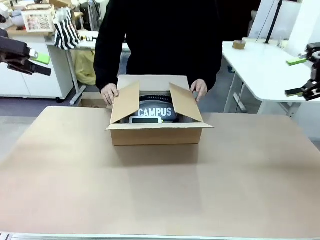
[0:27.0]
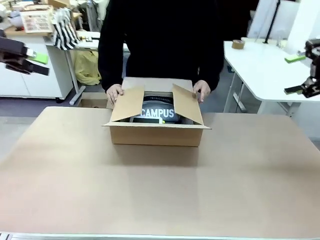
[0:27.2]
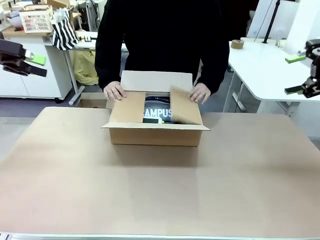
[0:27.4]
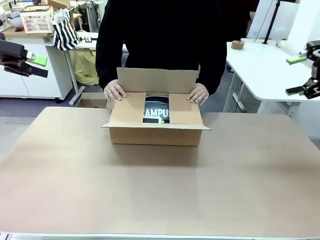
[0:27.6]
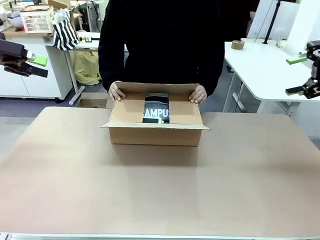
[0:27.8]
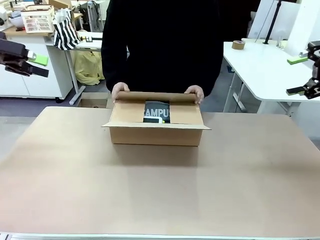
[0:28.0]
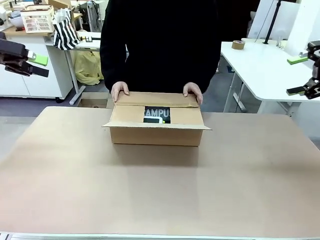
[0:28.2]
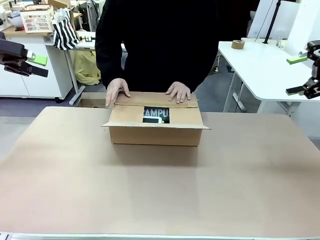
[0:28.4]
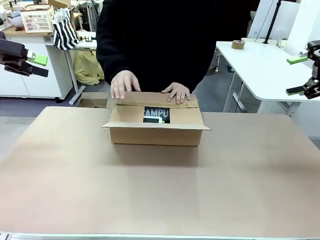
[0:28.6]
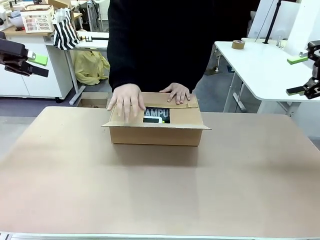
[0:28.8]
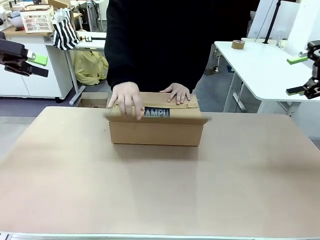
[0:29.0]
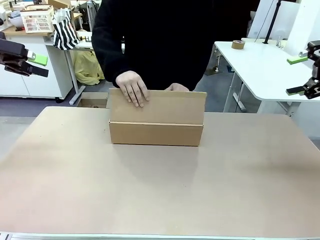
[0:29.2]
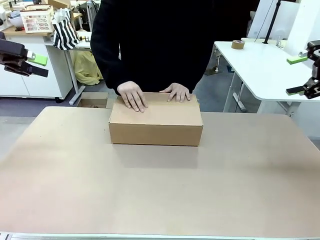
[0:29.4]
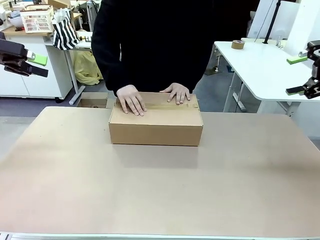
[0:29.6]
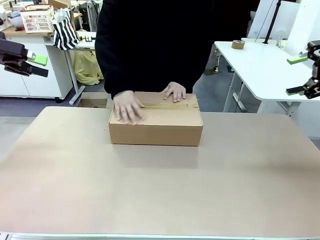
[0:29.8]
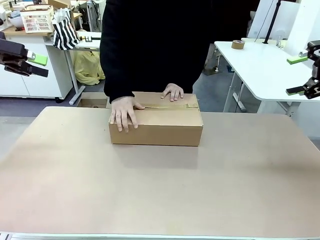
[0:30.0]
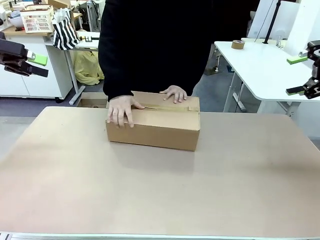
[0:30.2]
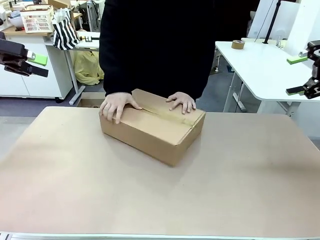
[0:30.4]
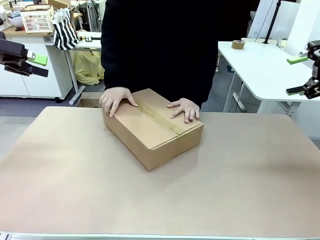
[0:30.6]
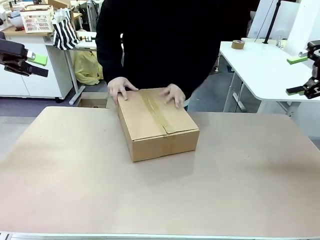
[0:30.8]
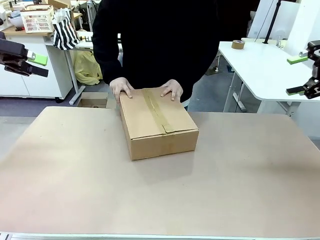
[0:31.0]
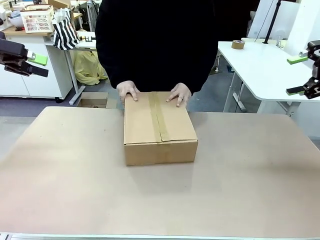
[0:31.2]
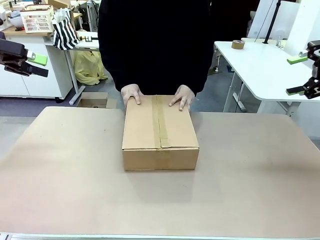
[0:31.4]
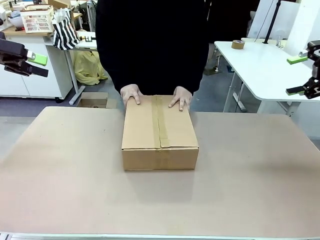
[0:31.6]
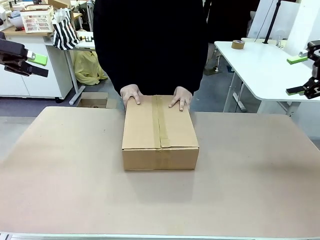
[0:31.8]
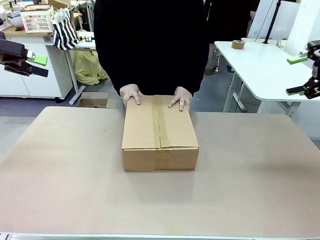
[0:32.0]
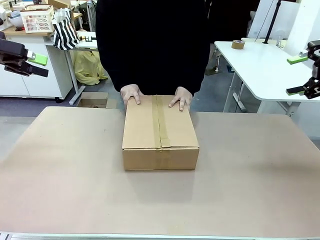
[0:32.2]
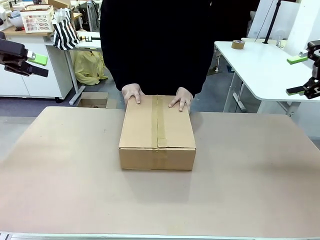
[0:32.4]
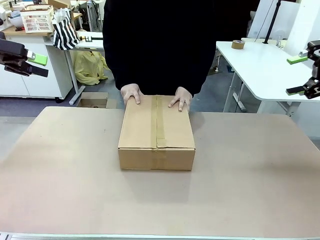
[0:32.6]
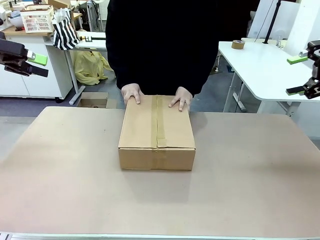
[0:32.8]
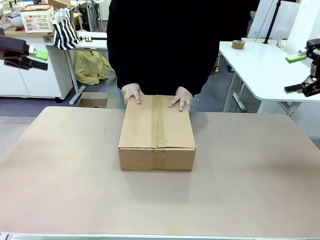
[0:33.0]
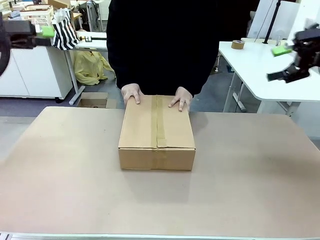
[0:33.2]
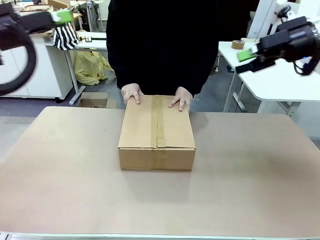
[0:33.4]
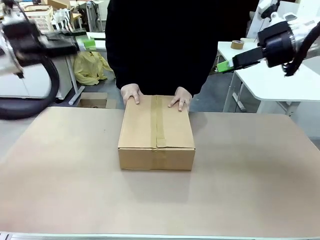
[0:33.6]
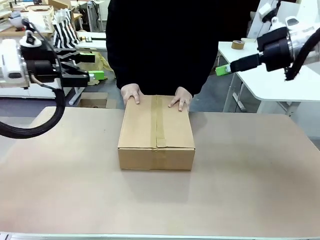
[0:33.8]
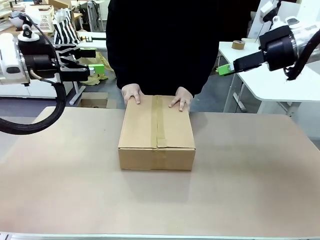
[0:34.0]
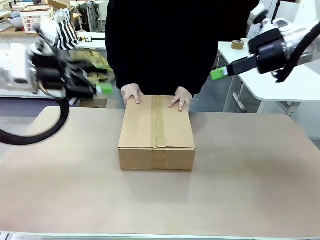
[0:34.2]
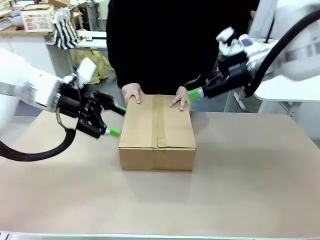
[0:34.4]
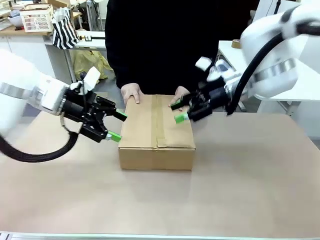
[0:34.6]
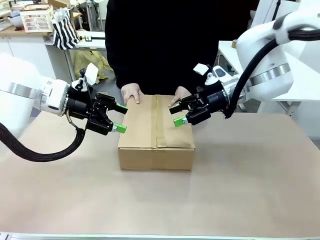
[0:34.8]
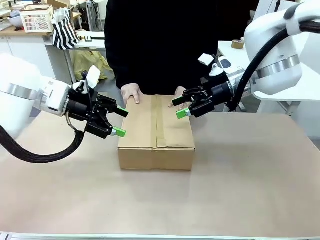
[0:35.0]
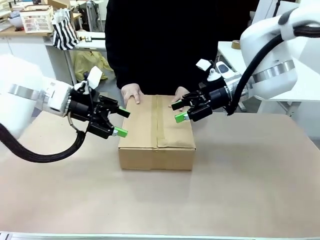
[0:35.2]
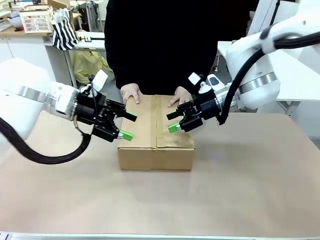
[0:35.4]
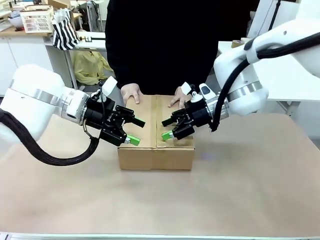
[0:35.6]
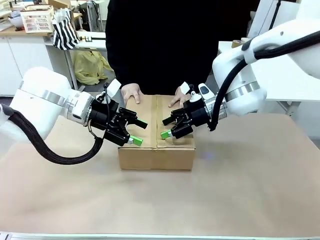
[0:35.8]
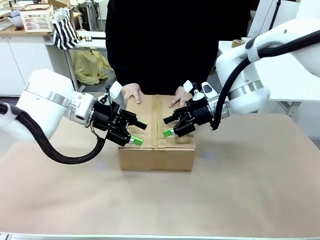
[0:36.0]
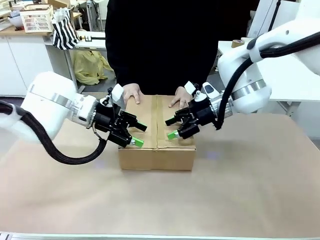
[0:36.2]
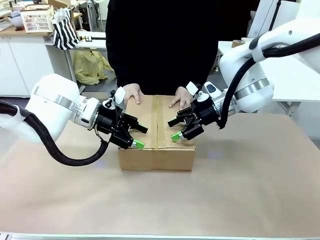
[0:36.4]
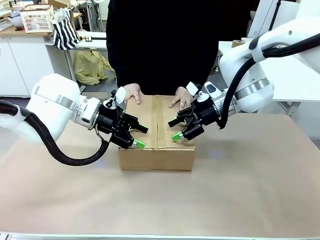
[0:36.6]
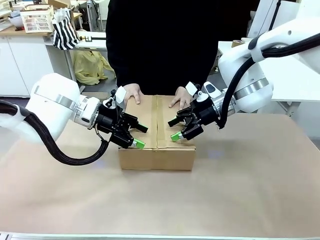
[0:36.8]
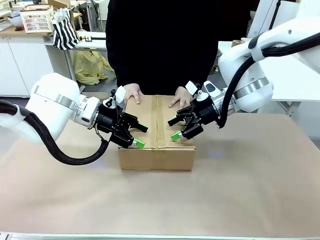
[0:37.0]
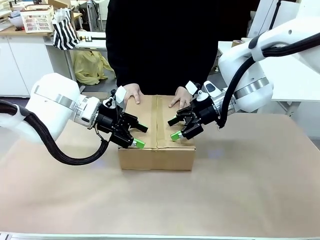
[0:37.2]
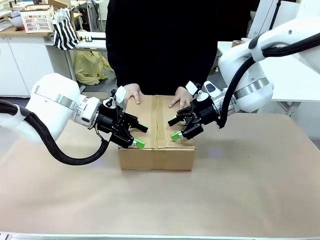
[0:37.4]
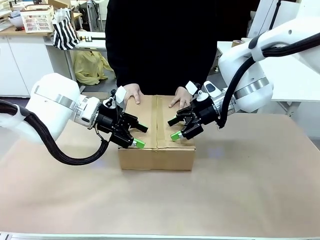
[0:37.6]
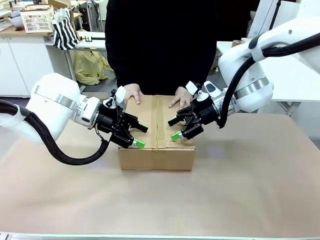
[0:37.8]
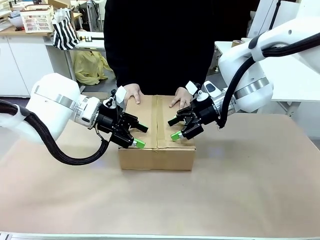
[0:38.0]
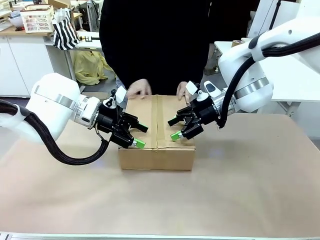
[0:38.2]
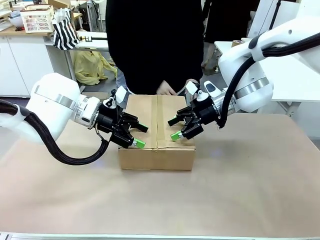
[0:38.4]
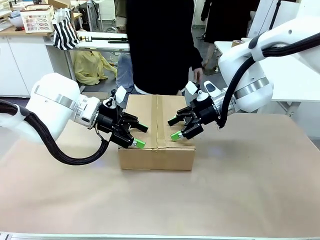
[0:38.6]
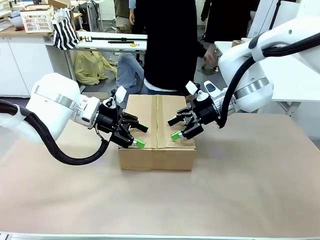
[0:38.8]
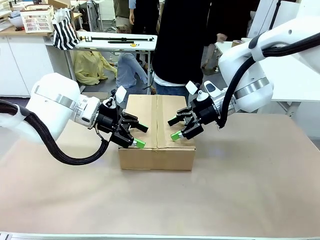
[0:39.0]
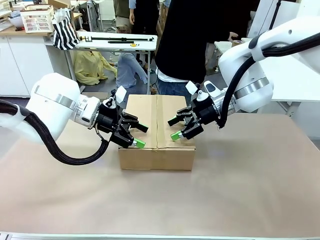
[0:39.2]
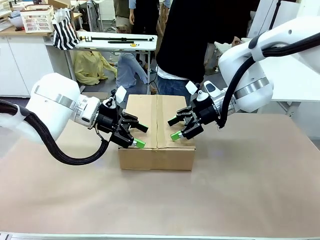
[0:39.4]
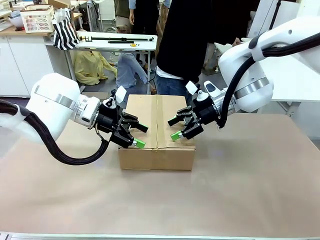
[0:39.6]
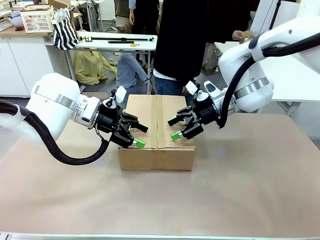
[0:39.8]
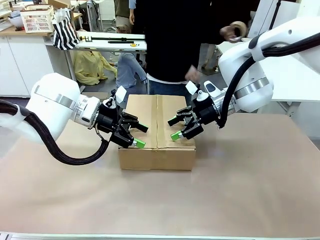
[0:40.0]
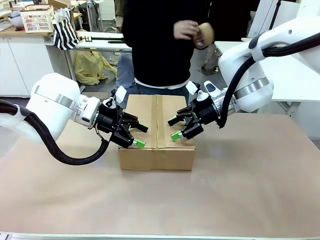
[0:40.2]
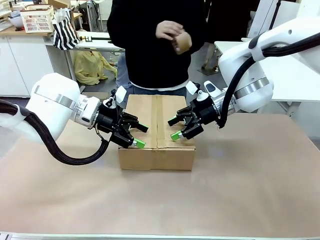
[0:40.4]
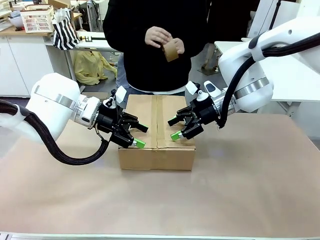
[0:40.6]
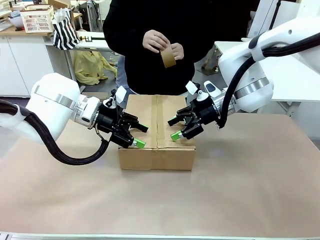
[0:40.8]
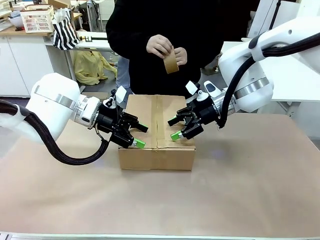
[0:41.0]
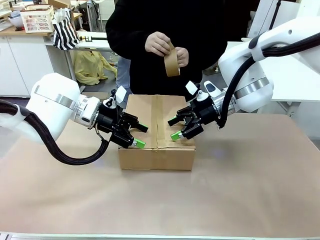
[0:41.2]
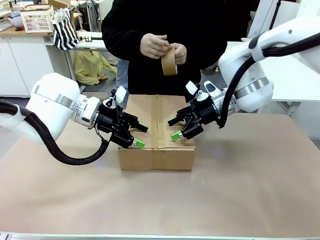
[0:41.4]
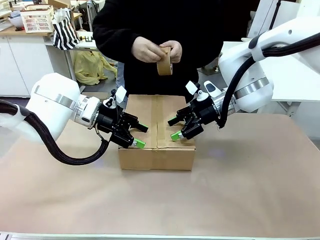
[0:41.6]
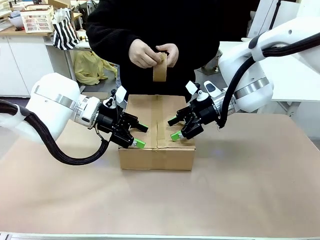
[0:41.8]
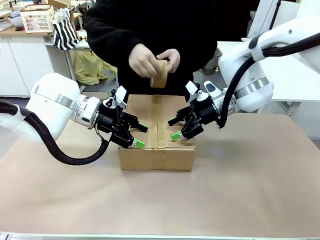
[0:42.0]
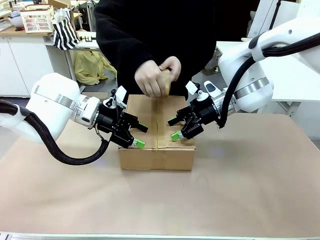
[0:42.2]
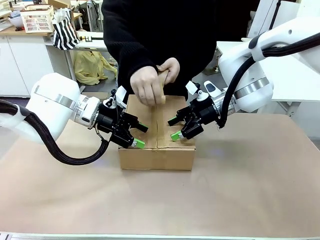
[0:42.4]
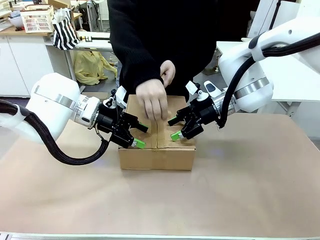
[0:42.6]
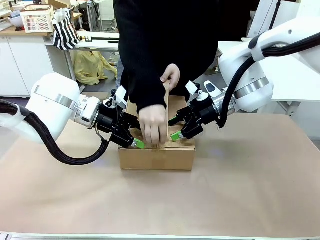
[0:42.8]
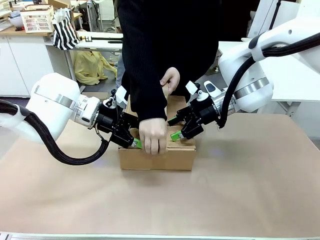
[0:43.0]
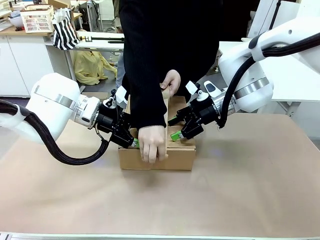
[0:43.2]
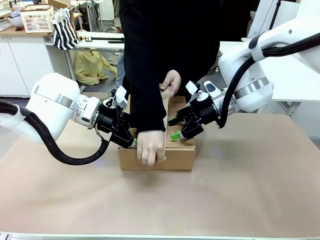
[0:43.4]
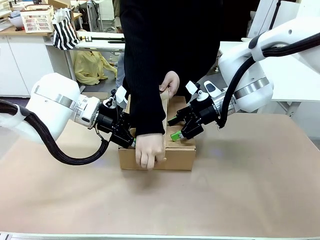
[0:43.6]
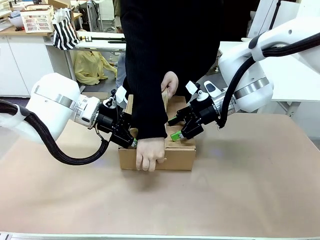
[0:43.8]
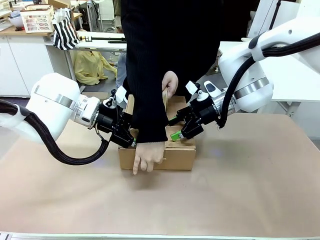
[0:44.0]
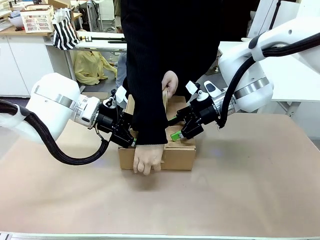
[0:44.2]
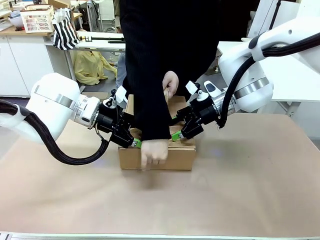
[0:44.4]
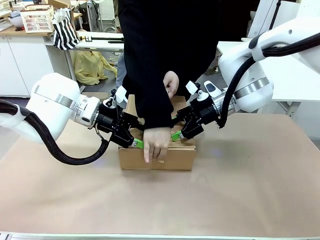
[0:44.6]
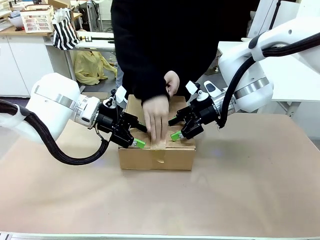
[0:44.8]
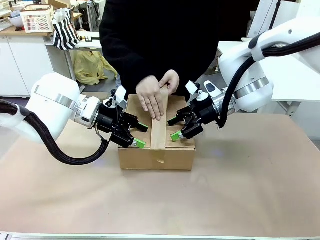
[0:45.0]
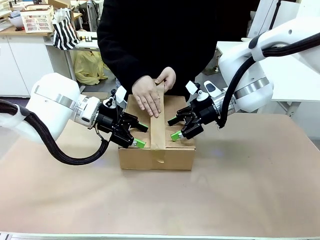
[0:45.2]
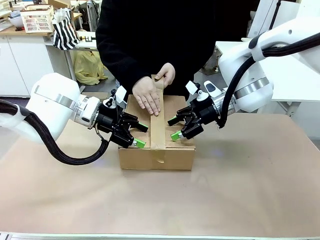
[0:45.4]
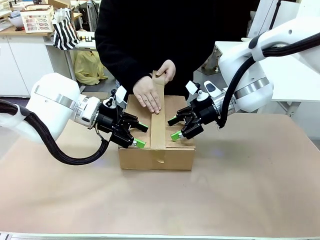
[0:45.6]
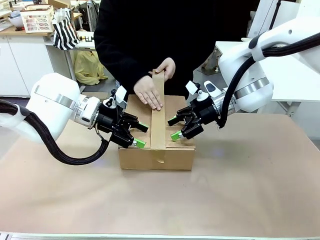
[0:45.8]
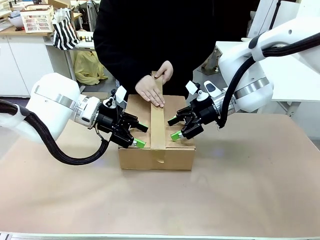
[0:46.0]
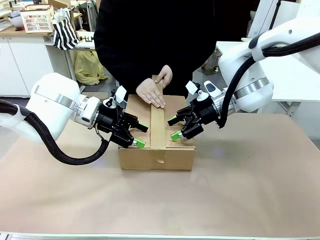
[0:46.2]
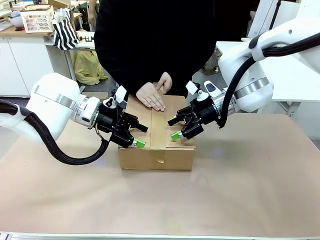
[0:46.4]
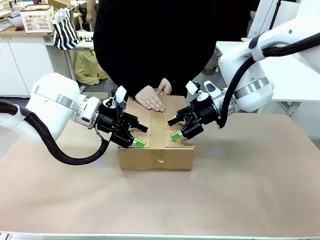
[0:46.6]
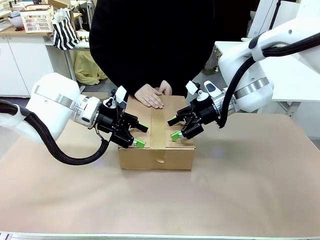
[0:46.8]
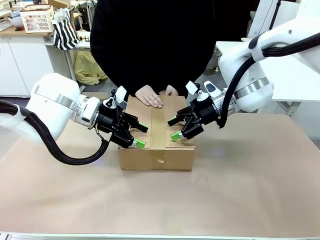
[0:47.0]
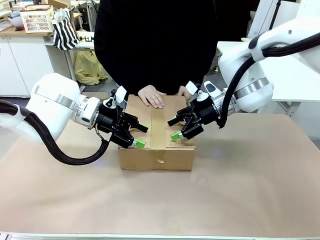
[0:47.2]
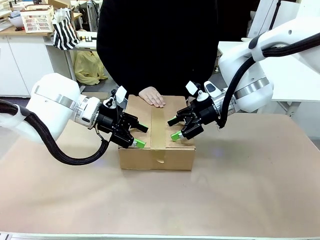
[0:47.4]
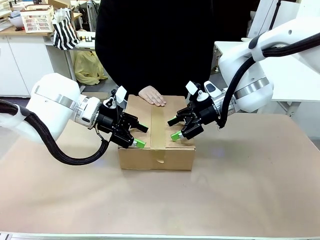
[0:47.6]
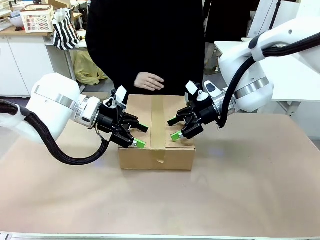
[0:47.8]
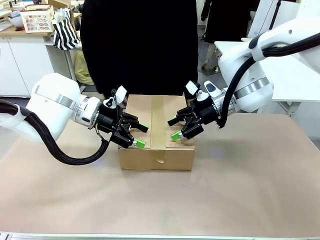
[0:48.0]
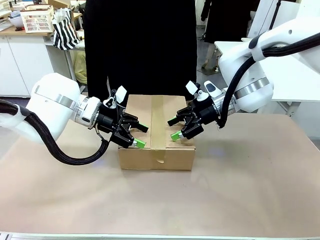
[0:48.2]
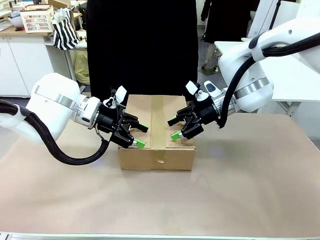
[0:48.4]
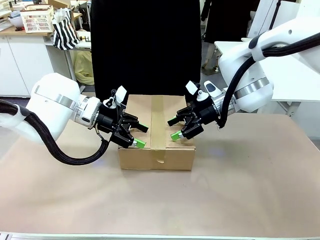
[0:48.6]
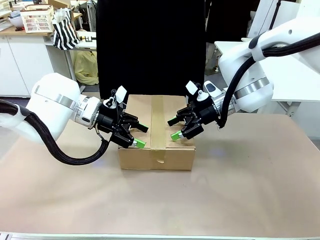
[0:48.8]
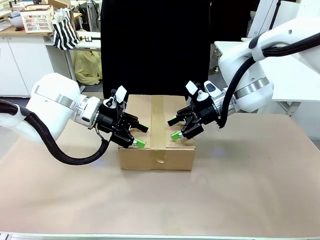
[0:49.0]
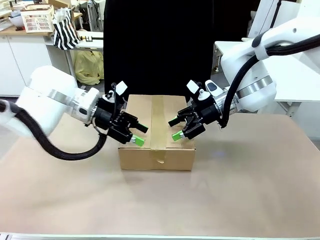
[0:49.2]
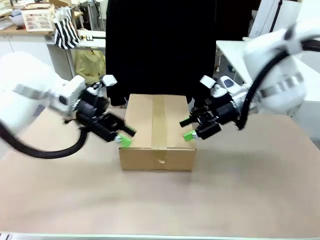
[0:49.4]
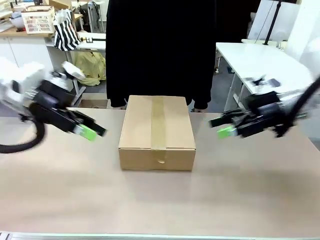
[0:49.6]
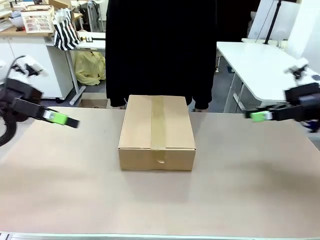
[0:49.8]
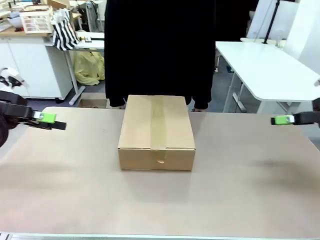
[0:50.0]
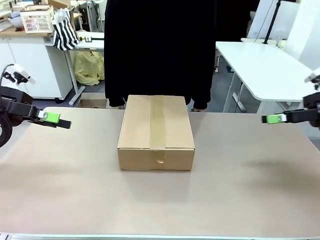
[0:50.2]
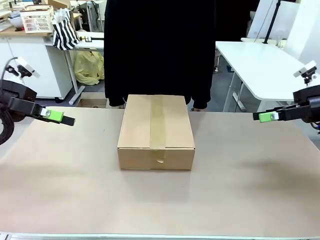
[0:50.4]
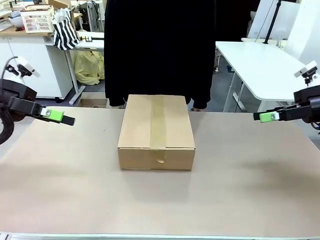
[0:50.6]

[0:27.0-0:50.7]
Task: Pack the gift set into the box.
Robot: Press and hold the closed box until the human finishes sealing it.
Person: The human closes the box and rotates the box by 90 degrees. The human picks up the paper tape from the human table and packs the box.
